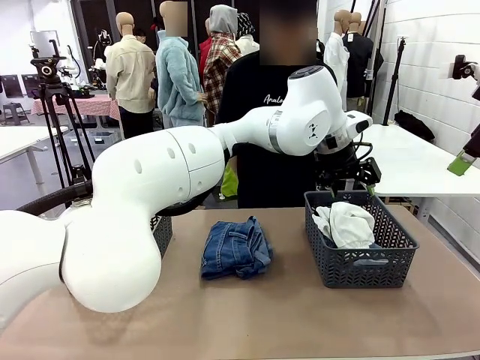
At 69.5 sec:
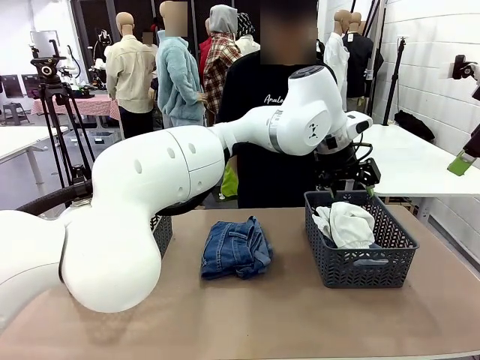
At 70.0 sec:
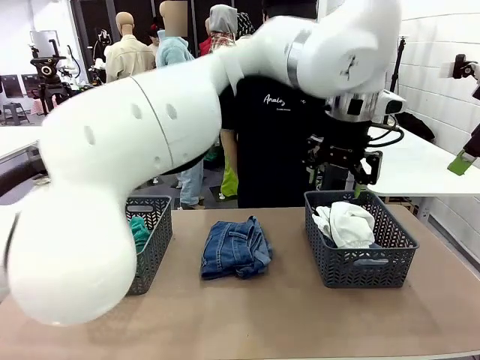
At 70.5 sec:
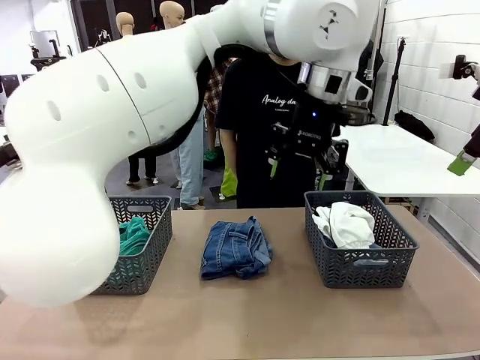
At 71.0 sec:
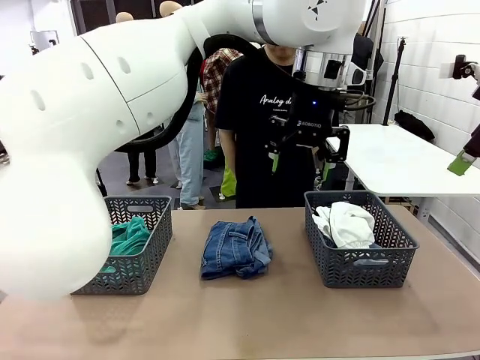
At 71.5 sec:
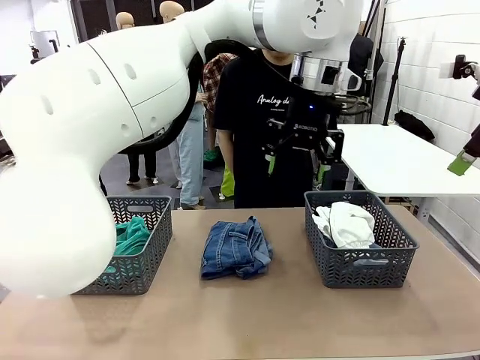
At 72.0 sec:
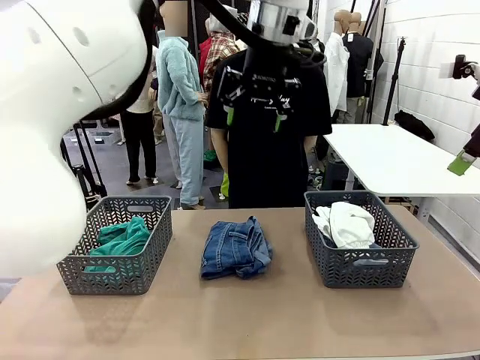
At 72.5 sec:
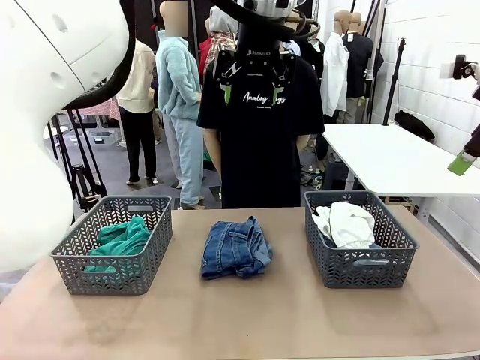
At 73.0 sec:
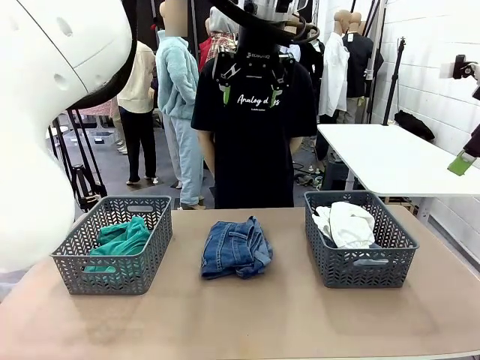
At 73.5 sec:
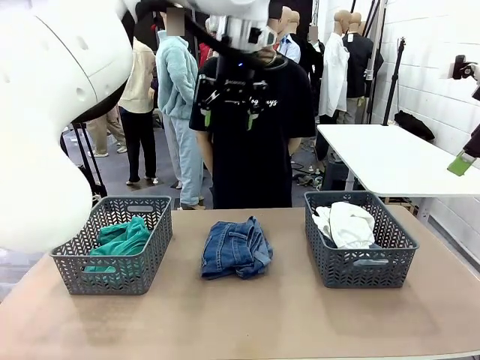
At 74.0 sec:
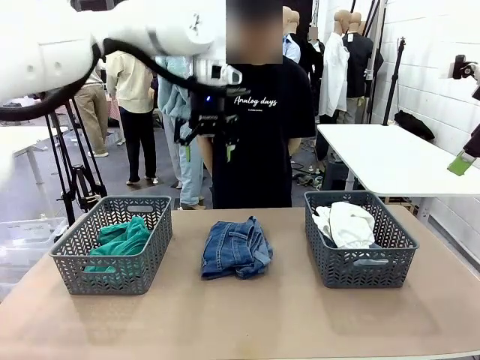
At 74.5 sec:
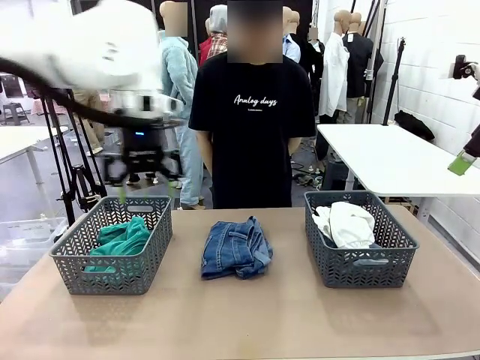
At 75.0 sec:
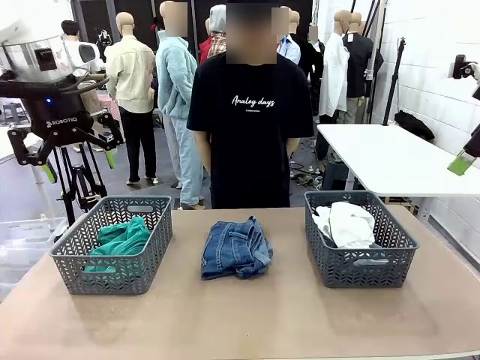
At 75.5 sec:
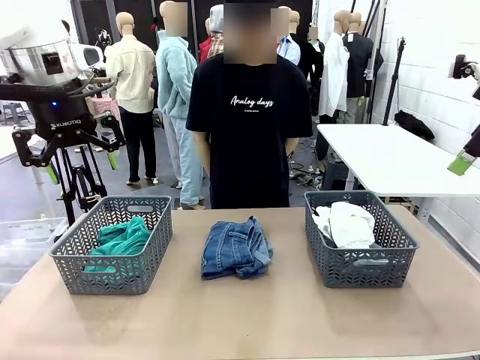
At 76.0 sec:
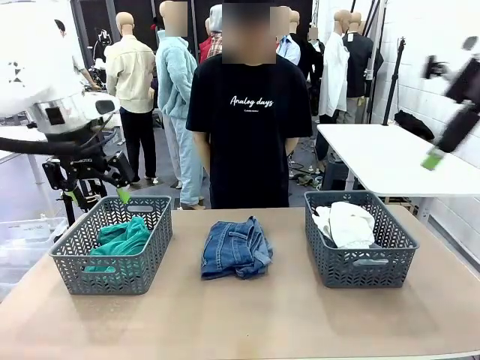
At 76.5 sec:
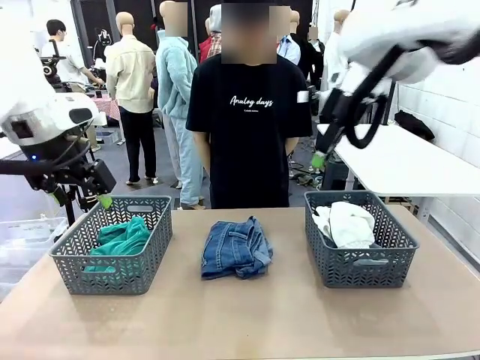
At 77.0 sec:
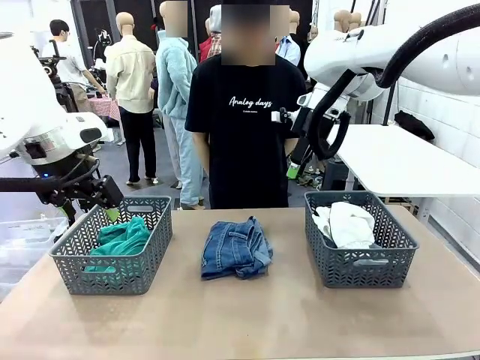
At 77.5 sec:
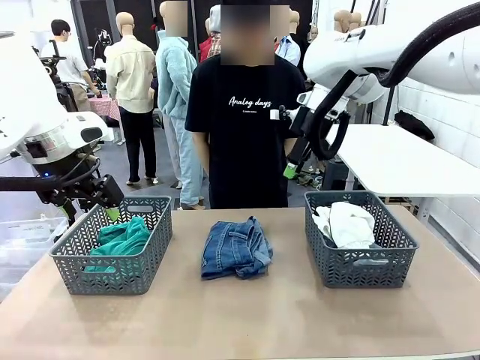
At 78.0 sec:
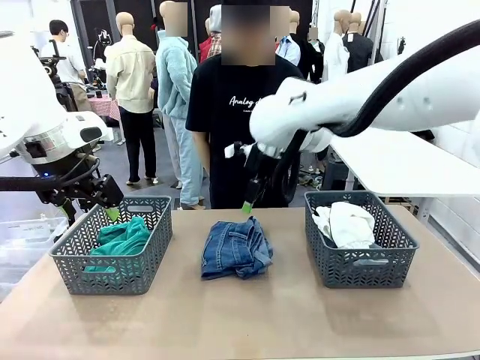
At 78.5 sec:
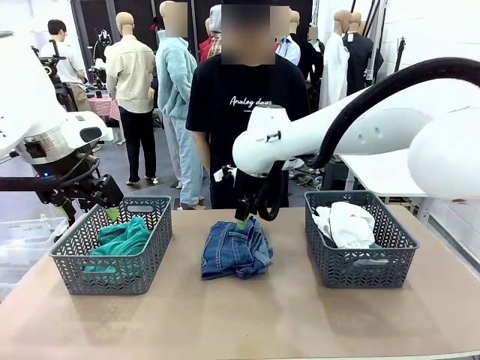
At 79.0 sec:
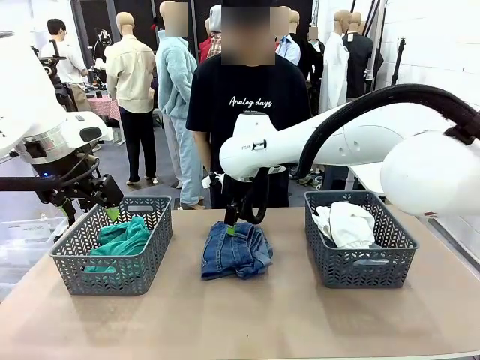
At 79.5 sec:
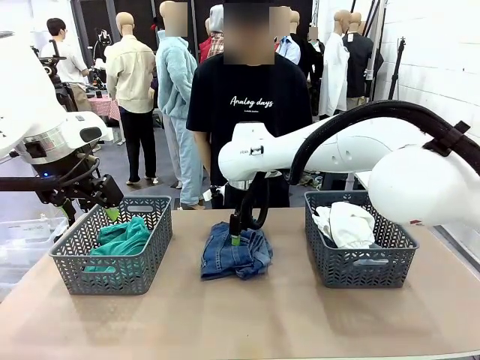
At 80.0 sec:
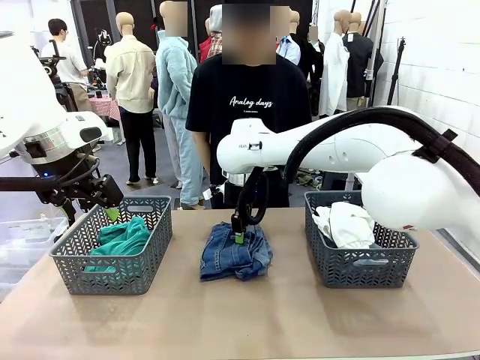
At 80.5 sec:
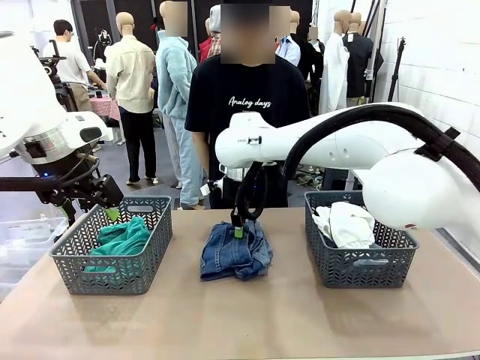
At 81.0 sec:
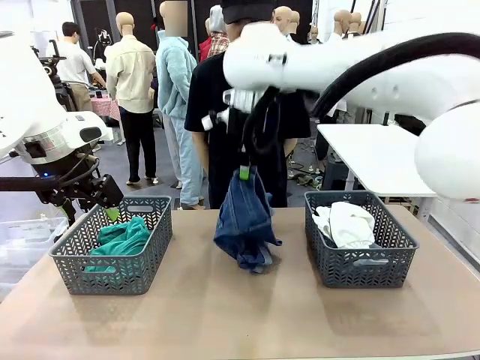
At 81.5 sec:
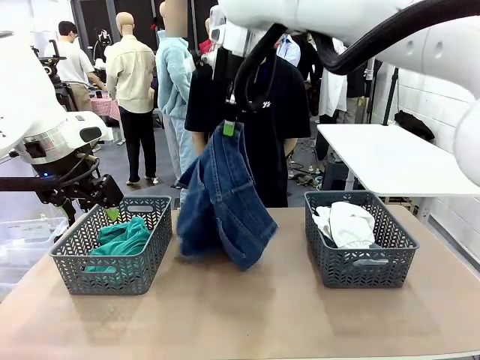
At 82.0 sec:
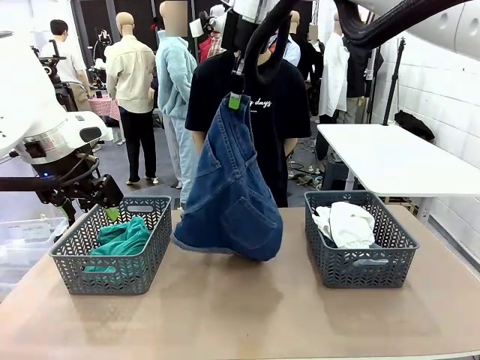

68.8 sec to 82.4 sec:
Task: Sort the tops and bottoms.
Robot: Lift clothes from the center of the table with your right hand.

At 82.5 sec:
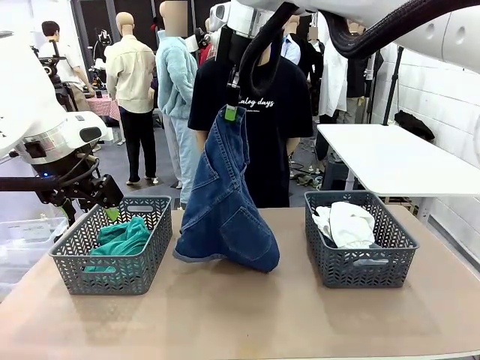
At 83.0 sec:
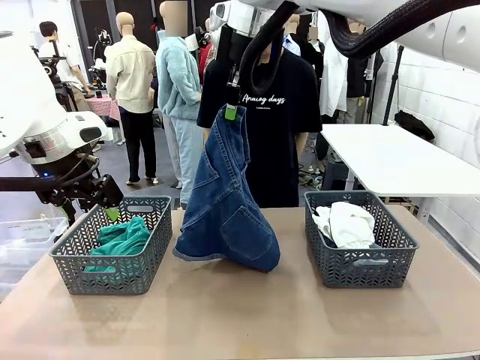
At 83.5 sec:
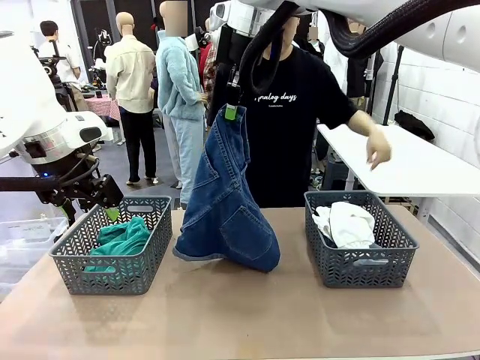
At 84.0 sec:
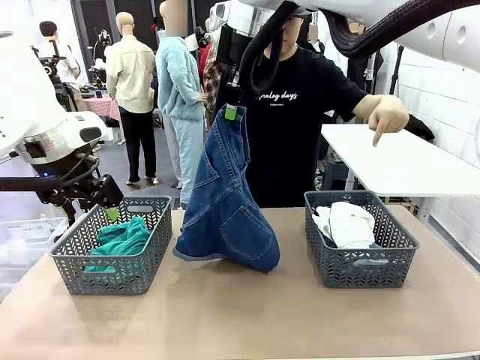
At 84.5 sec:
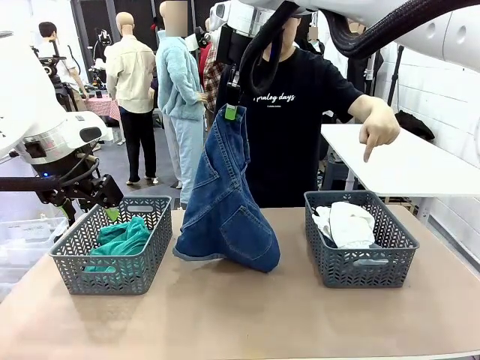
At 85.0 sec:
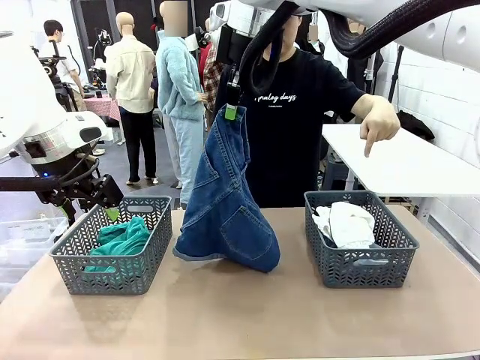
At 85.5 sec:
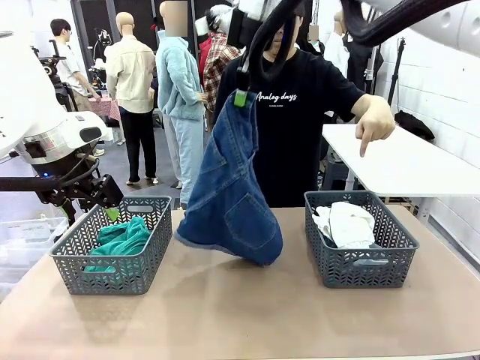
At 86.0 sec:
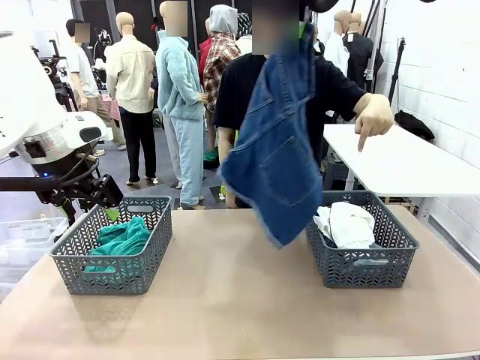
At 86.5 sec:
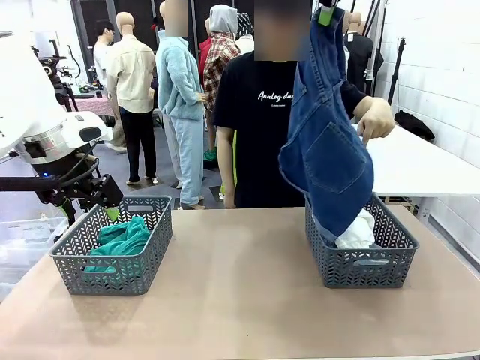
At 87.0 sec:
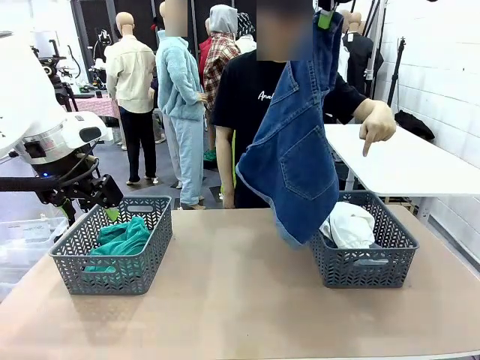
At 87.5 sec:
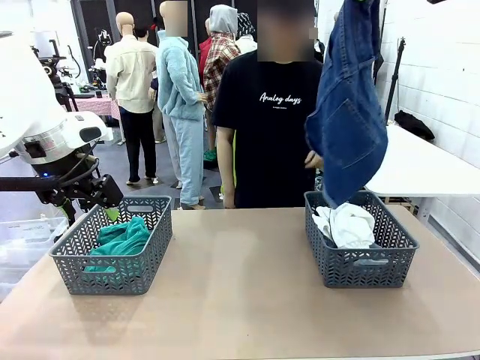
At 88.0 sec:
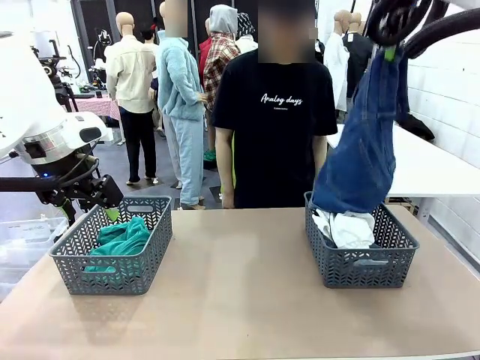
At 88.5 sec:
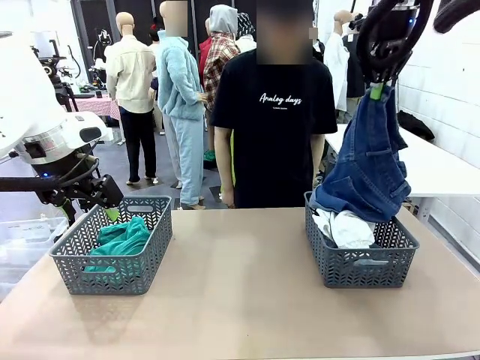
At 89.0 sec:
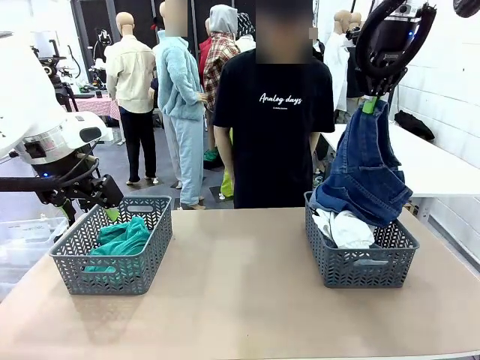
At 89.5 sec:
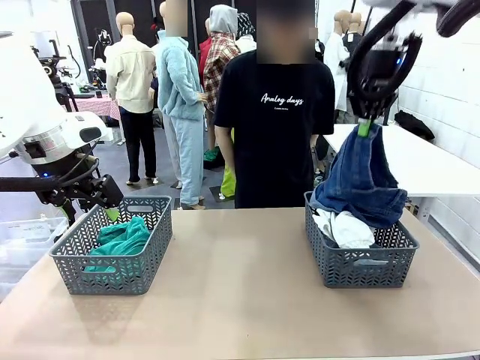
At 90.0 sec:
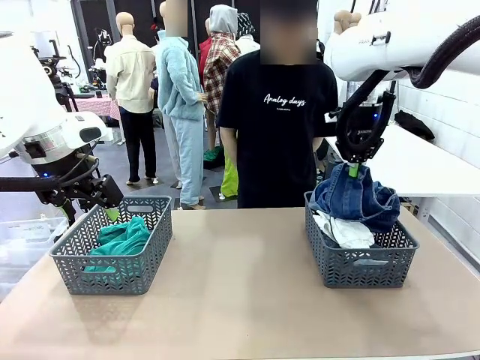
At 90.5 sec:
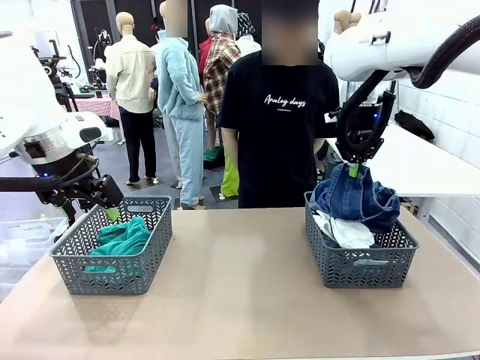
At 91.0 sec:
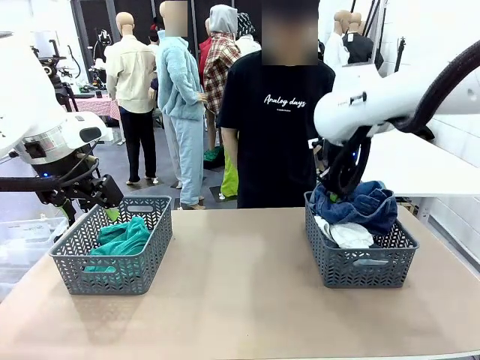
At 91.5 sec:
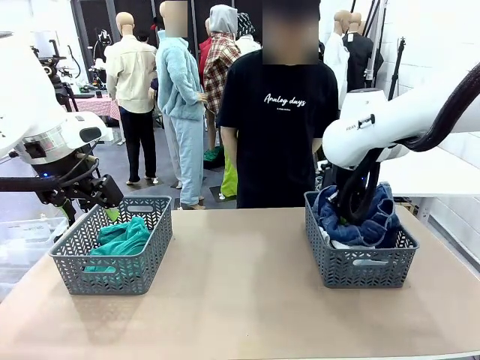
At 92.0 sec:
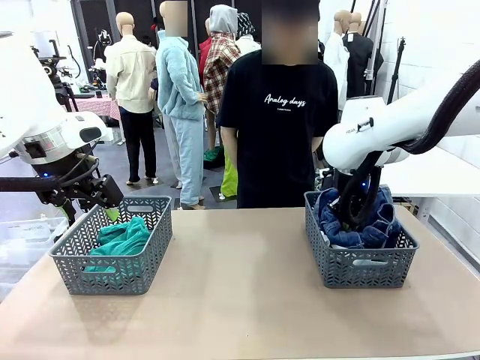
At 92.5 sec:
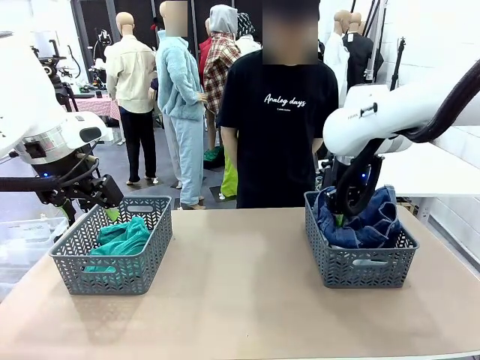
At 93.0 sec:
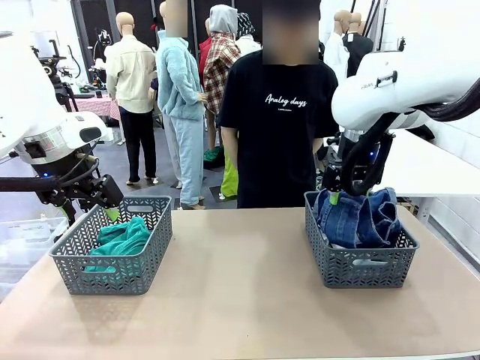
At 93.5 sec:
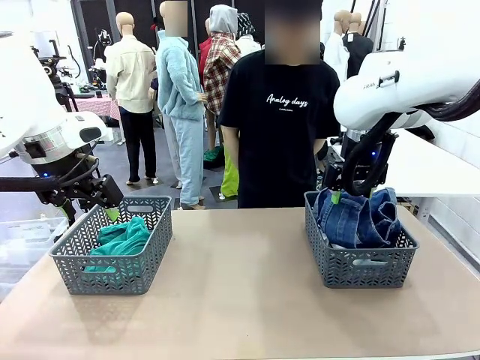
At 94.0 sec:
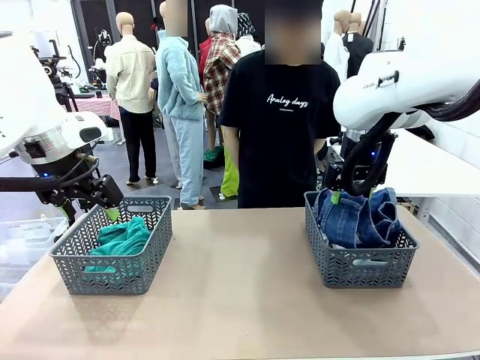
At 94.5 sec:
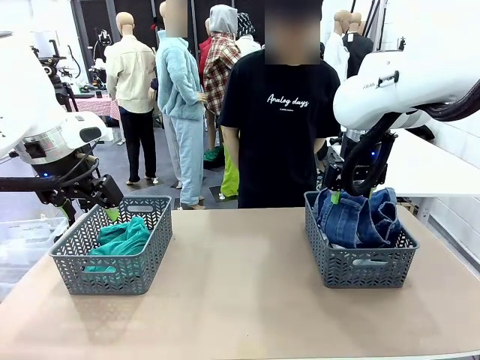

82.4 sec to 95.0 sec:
Robot: Sort the clothes according to human instructions.
